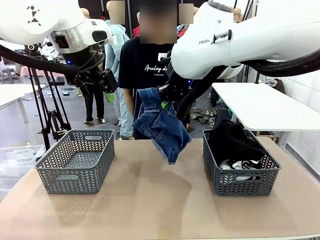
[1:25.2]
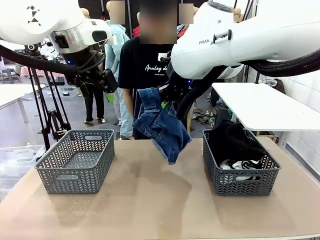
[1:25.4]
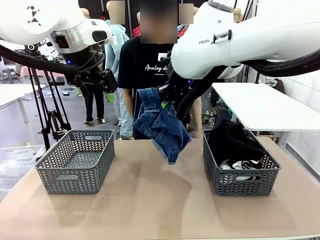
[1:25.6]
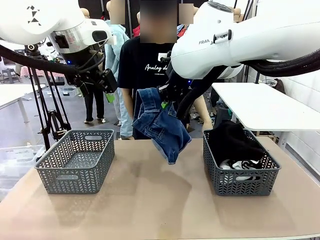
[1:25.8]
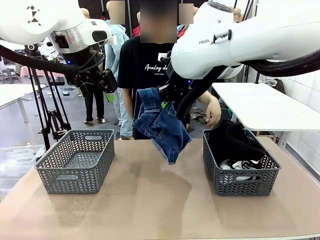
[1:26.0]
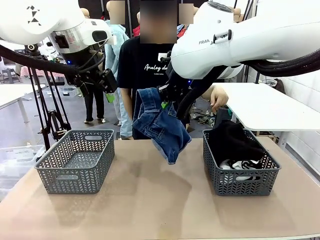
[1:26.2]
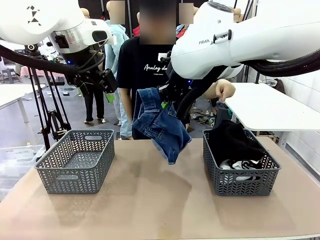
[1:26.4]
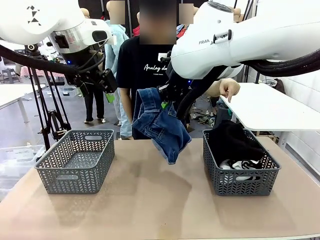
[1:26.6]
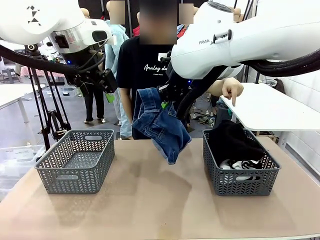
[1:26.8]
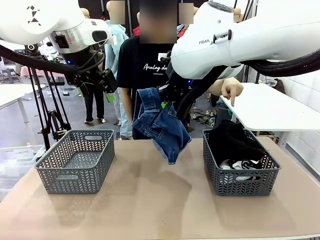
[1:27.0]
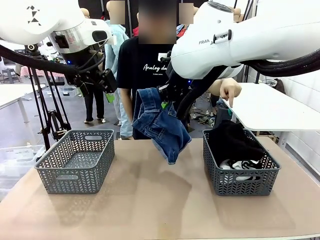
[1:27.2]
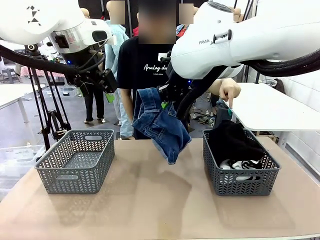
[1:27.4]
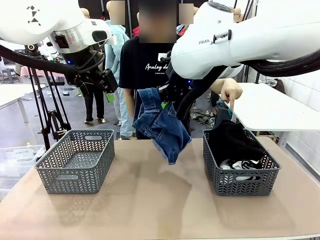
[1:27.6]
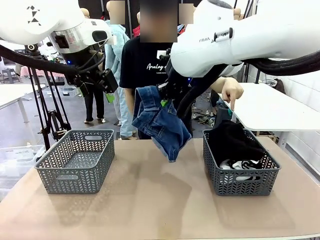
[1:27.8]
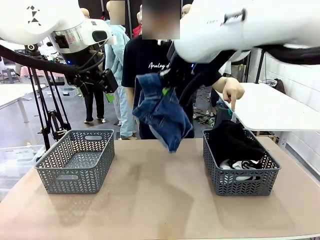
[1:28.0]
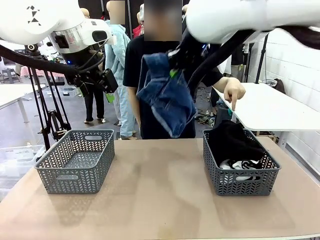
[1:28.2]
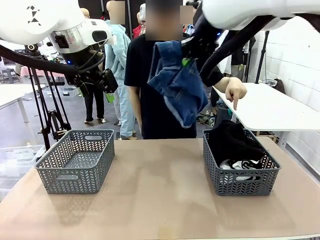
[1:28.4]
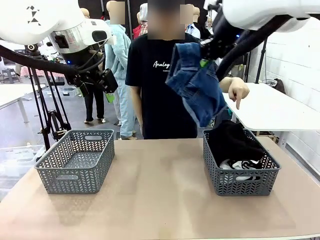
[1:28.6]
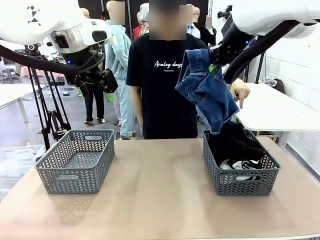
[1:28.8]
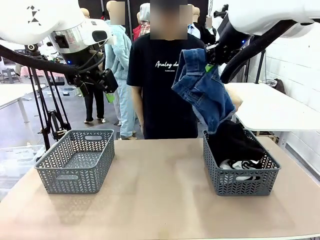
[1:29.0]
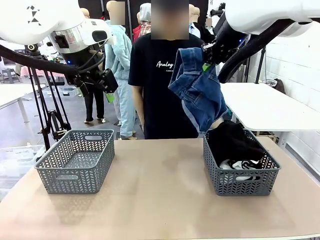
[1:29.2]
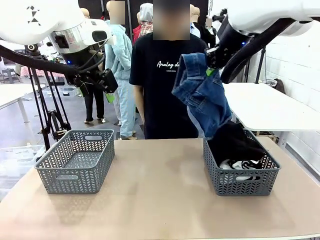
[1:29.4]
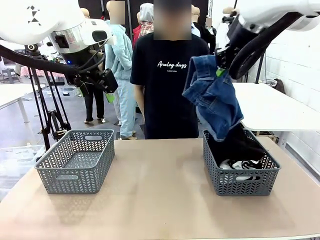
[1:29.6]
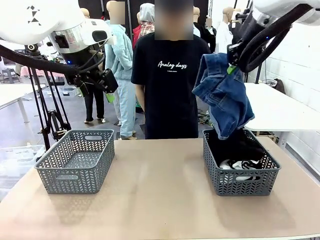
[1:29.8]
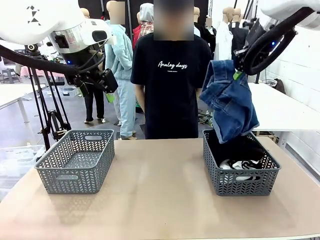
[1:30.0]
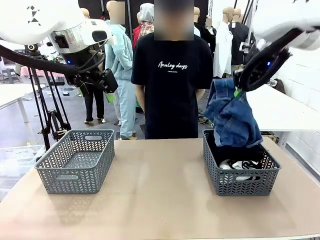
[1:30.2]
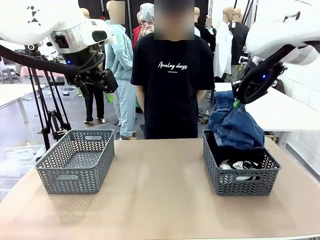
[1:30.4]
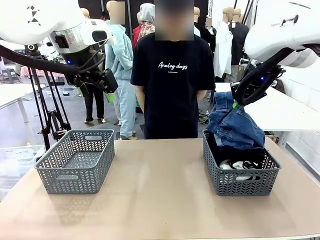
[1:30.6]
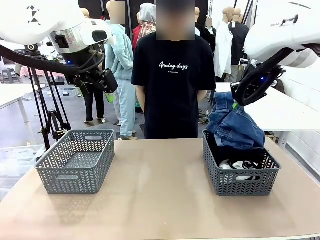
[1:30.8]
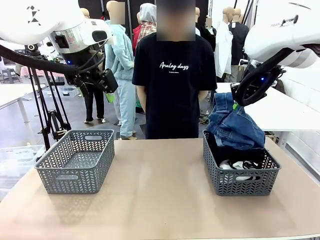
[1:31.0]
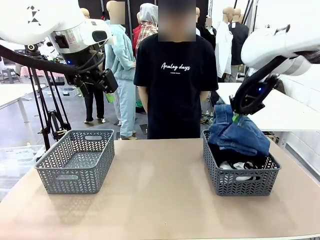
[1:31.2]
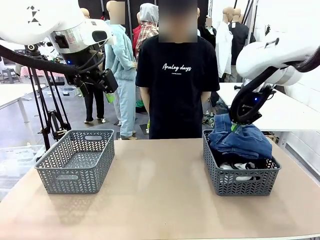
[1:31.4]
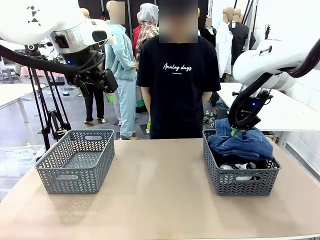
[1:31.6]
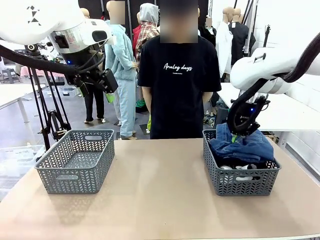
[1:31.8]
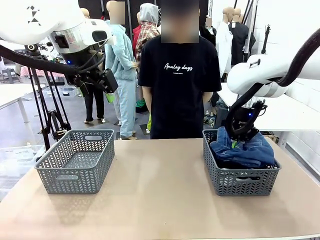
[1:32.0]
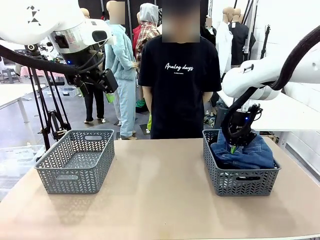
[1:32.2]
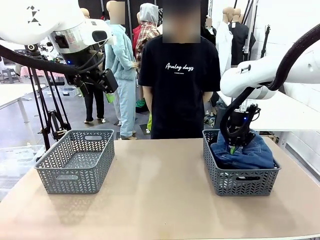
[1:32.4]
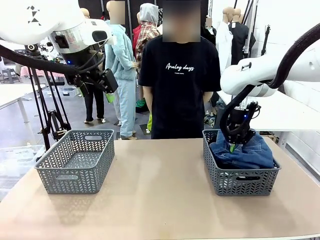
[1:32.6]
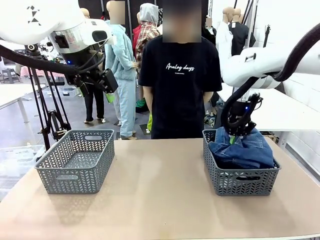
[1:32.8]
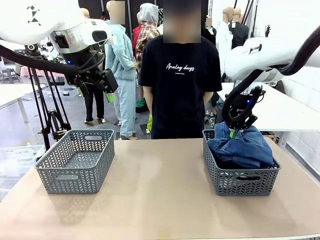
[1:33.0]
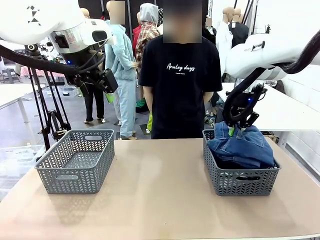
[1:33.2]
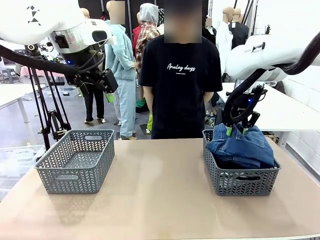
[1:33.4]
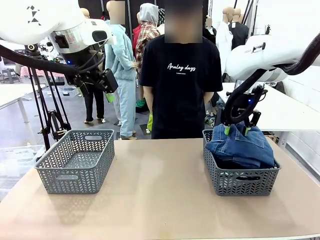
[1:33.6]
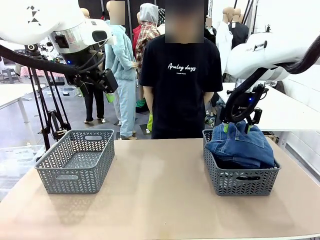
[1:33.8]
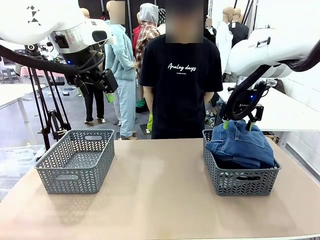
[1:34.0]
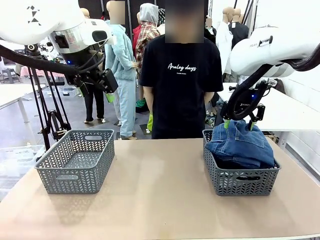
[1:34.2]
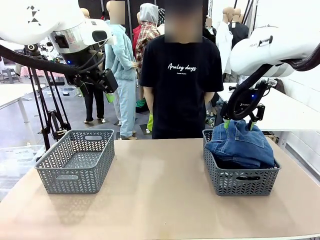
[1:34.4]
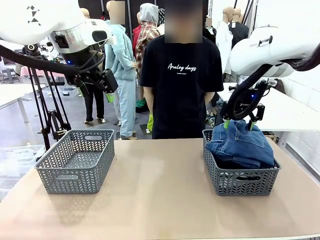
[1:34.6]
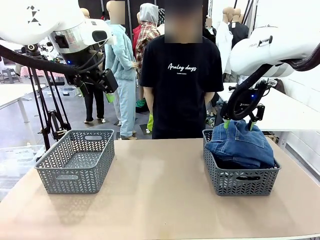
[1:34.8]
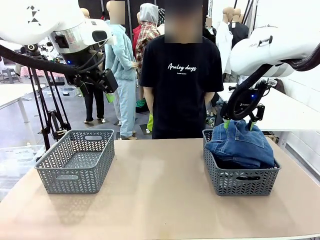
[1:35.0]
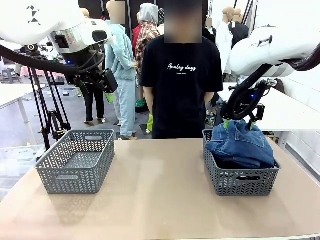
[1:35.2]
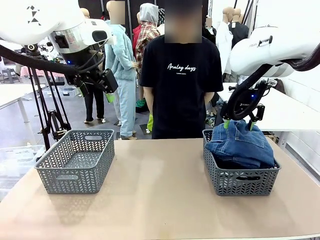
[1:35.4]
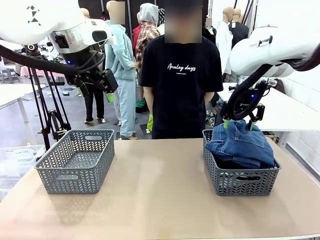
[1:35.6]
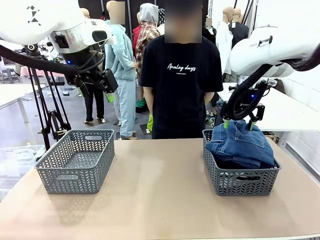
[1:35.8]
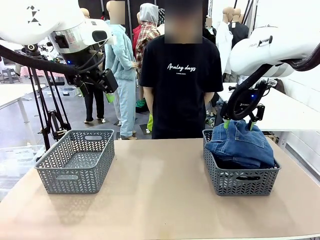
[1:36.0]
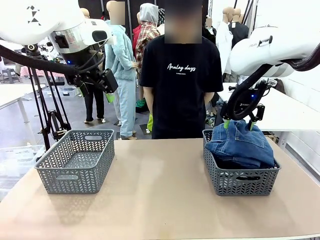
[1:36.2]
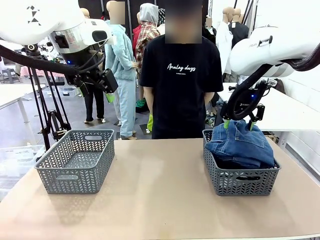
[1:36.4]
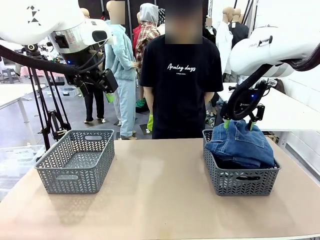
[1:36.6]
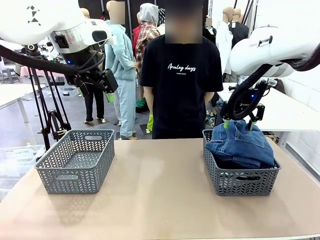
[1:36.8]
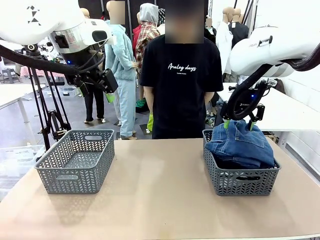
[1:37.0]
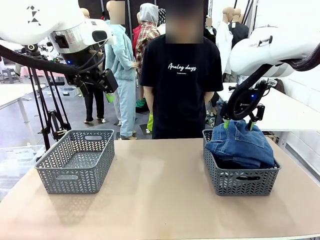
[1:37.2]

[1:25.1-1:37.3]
Task: Sort the tops and bottoms.
Robot: Sort the clothes according to human instructions.

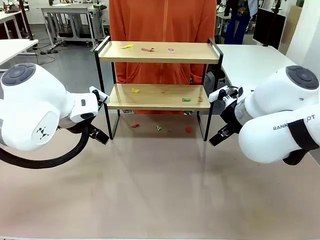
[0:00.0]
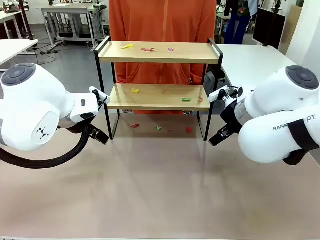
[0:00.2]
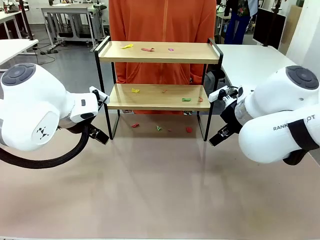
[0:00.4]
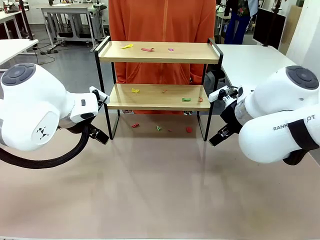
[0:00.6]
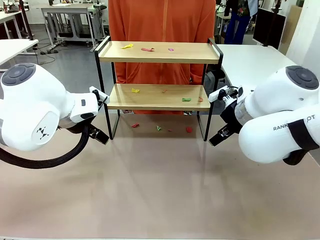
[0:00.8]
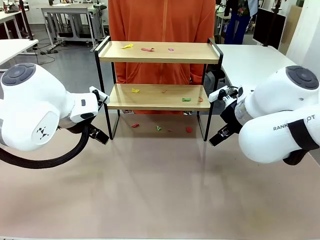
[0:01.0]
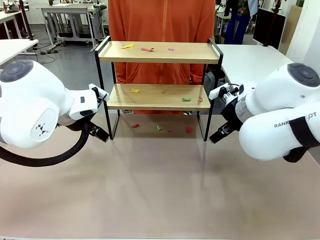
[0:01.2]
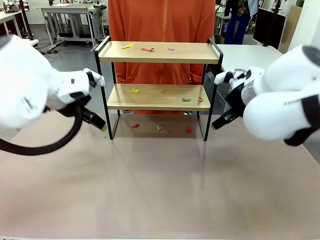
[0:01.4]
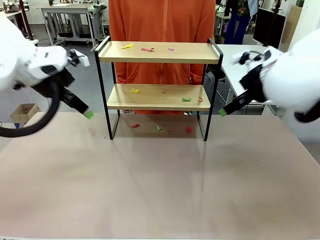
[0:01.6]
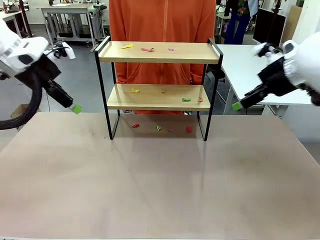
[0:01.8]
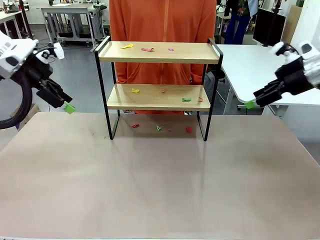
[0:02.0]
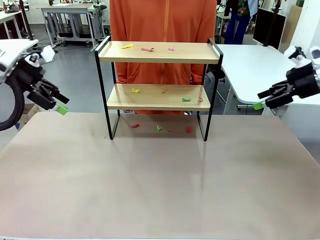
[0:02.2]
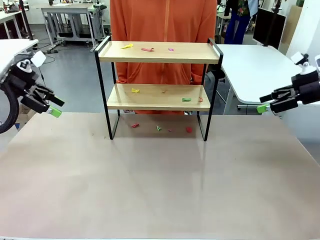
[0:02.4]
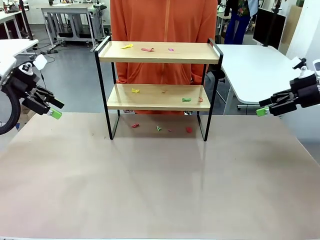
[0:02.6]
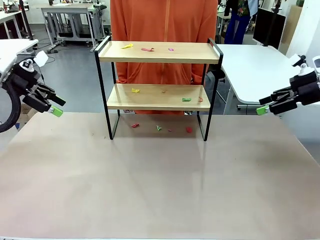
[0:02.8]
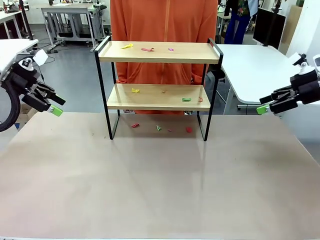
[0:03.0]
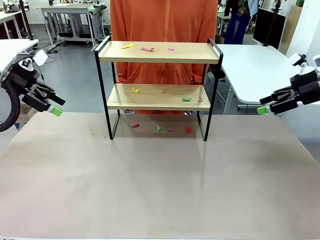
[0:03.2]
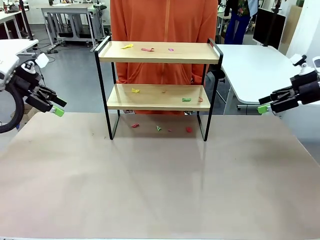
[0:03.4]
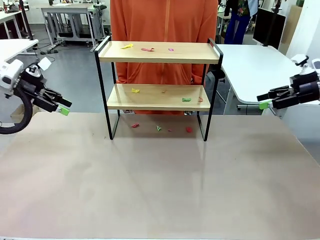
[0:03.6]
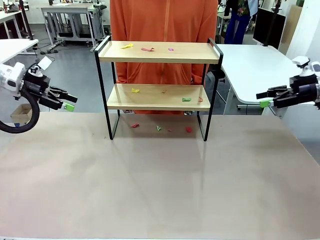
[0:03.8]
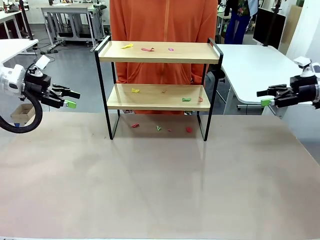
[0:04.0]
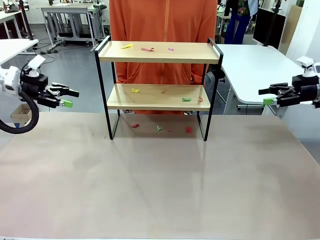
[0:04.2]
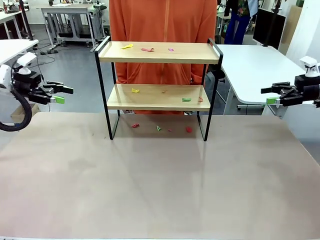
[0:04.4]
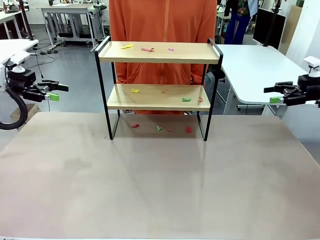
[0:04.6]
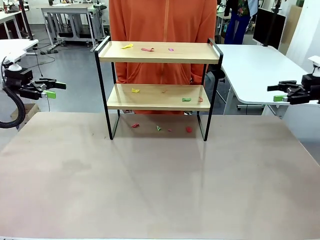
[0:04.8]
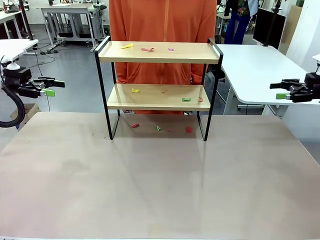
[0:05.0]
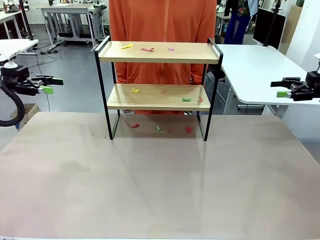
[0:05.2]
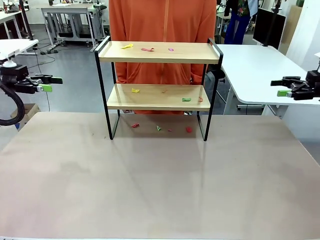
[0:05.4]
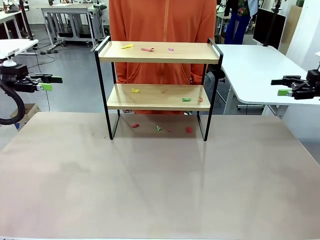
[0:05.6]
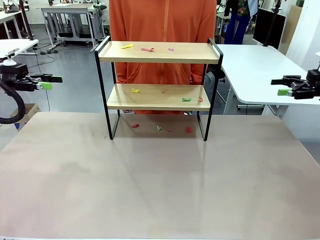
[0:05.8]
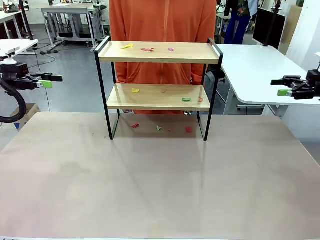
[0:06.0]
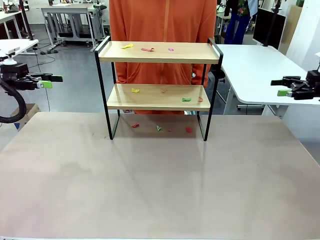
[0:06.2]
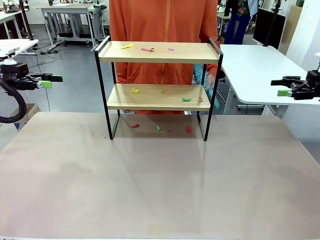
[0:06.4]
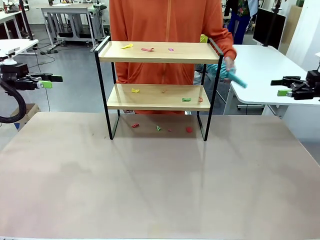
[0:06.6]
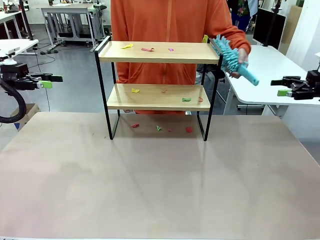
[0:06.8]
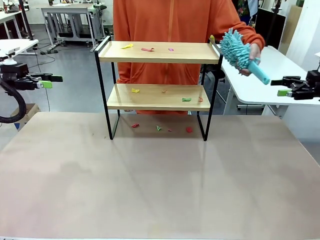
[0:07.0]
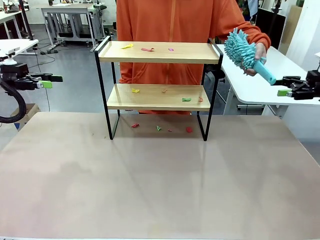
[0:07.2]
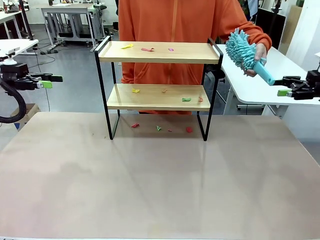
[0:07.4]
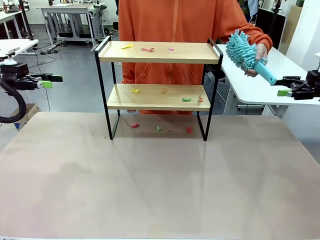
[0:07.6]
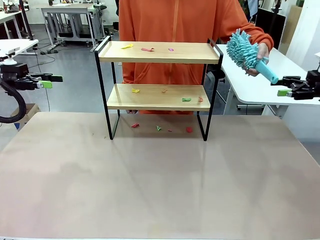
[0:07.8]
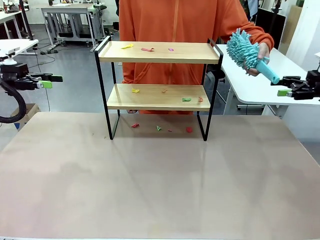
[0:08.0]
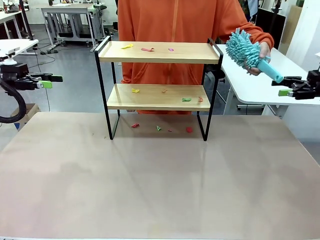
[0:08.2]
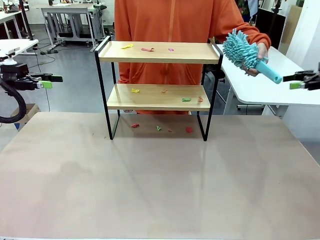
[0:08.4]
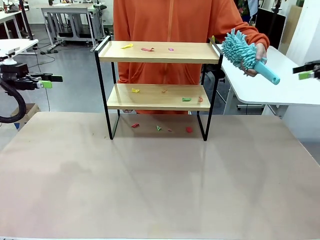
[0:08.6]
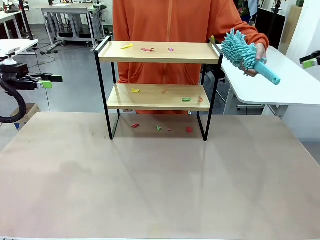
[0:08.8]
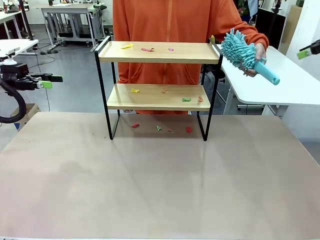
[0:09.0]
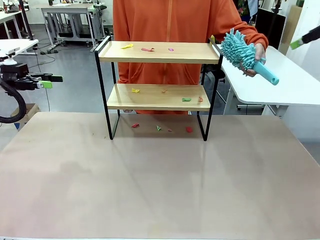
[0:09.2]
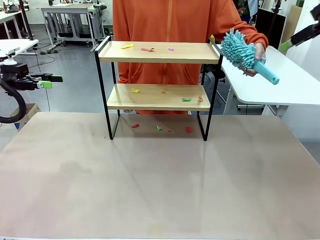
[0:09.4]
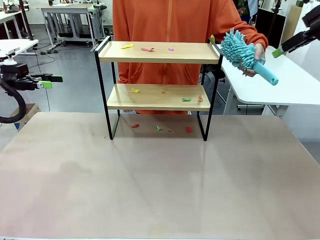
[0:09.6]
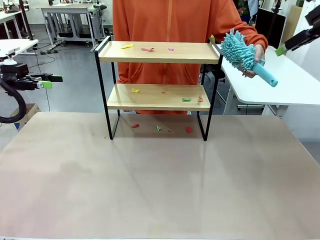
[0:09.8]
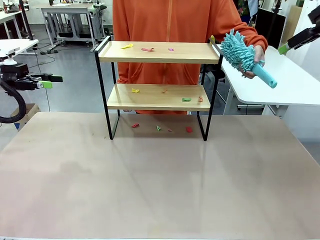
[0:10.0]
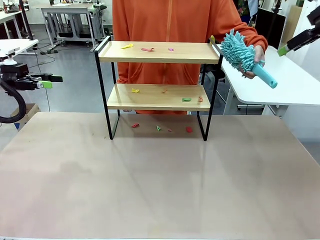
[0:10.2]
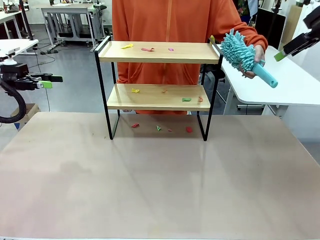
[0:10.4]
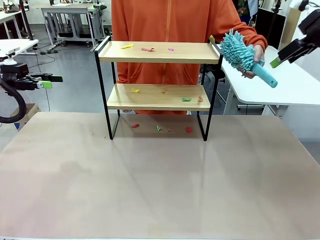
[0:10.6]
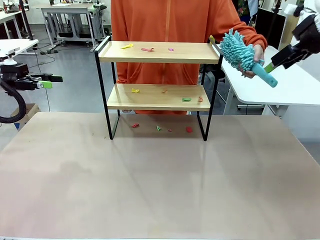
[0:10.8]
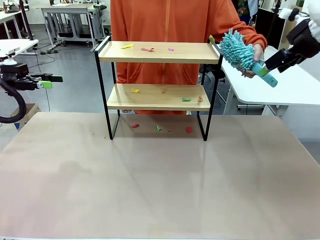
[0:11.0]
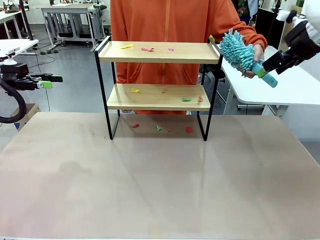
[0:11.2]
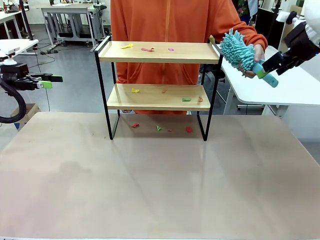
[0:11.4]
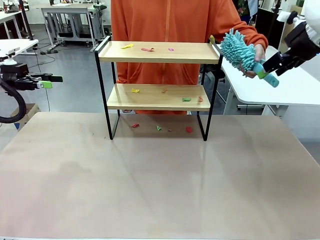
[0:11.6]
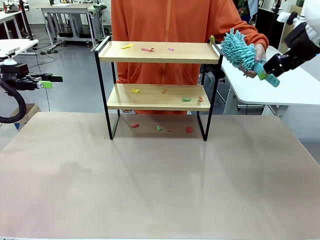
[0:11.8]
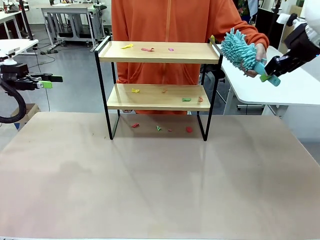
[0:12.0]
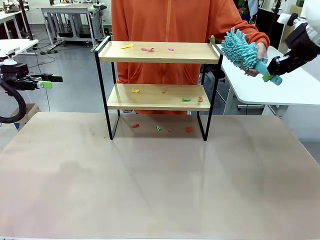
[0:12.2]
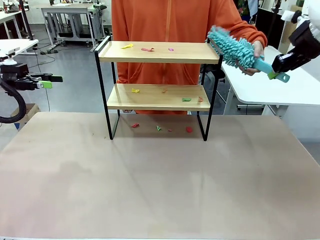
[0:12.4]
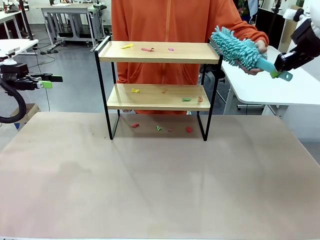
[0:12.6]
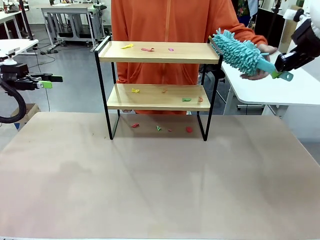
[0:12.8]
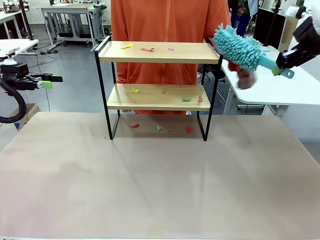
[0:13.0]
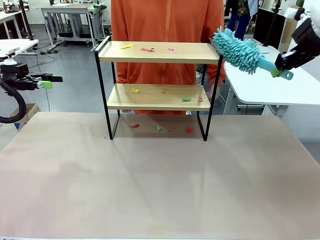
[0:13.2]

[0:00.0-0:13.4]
Task: Clean the shelf.
Robot: Pick up the Duster handed by the human.
Person: Hand the Duster to the robot.
